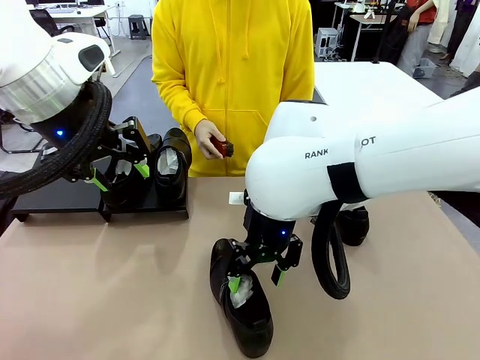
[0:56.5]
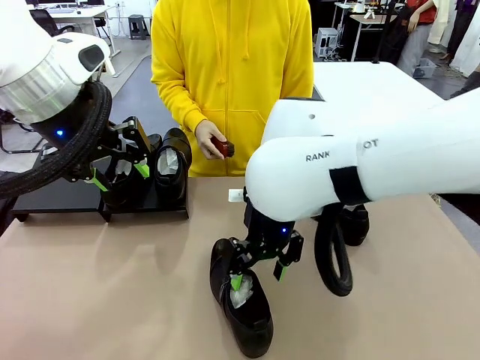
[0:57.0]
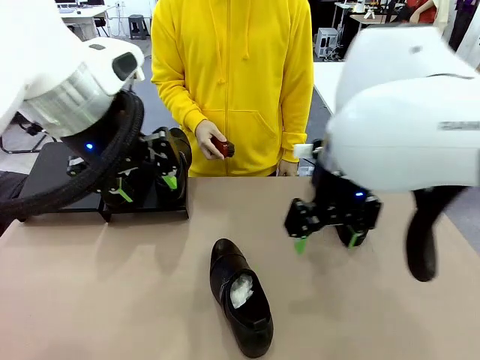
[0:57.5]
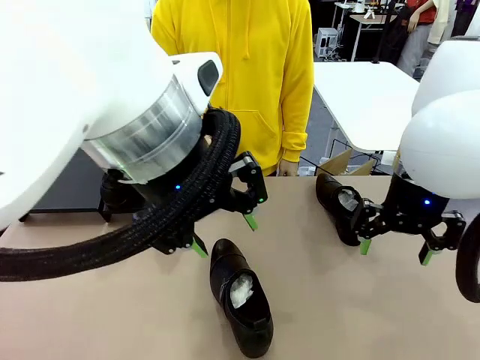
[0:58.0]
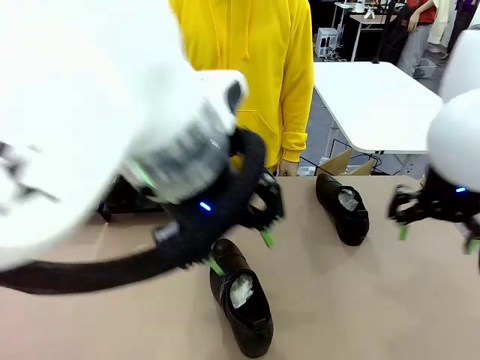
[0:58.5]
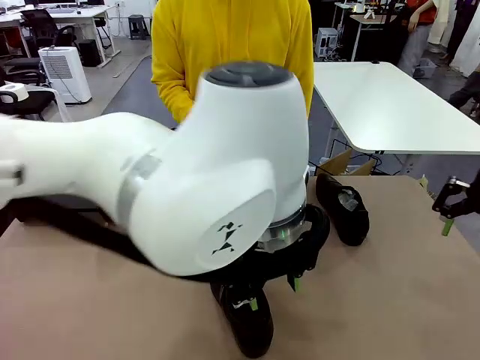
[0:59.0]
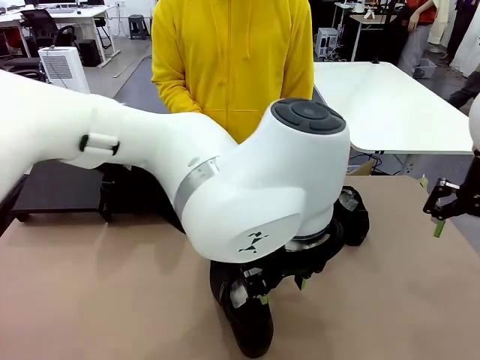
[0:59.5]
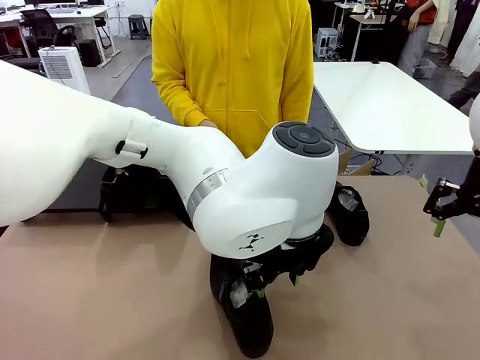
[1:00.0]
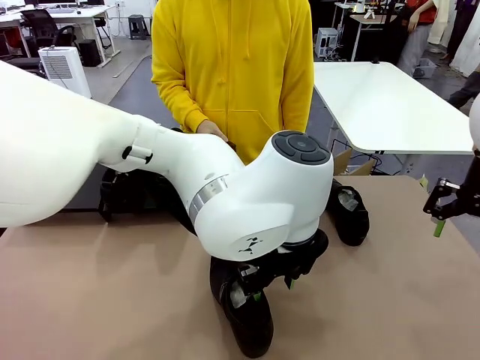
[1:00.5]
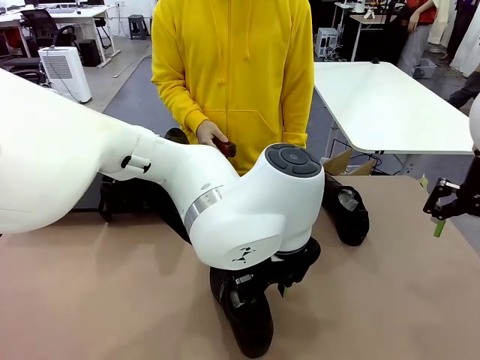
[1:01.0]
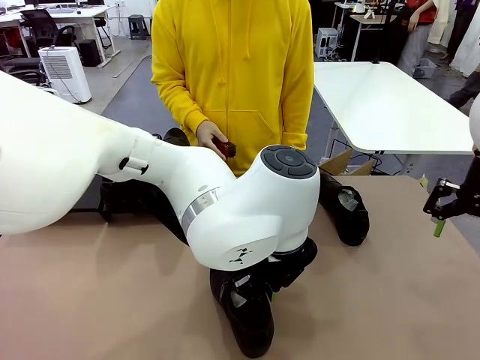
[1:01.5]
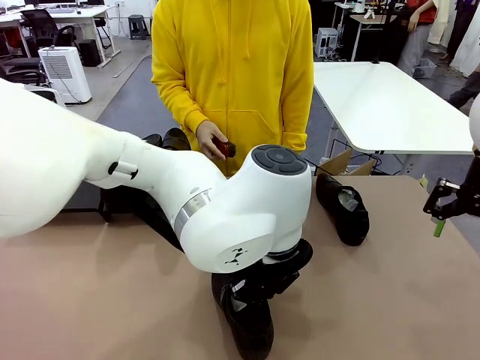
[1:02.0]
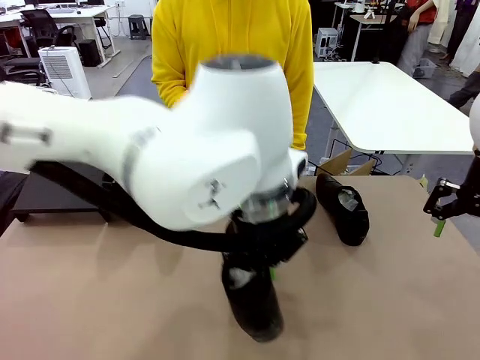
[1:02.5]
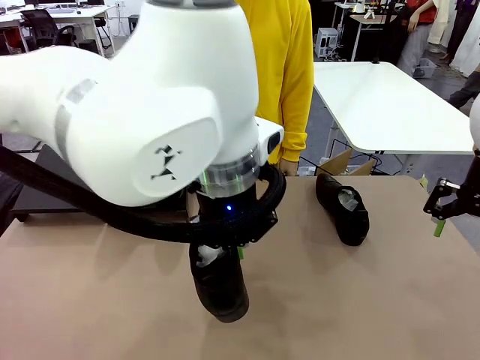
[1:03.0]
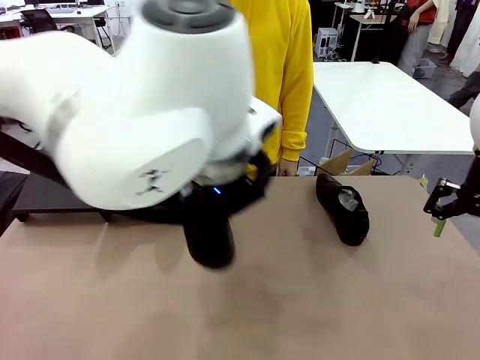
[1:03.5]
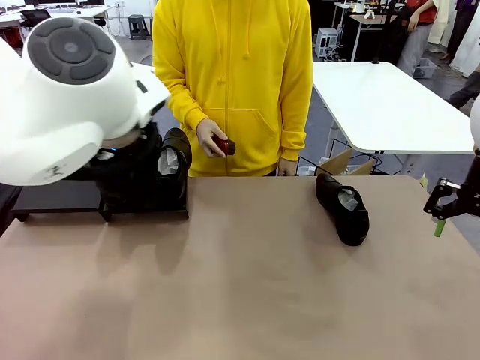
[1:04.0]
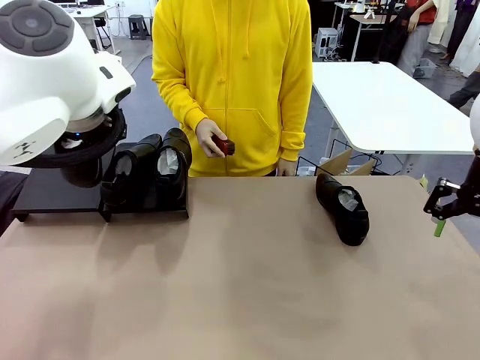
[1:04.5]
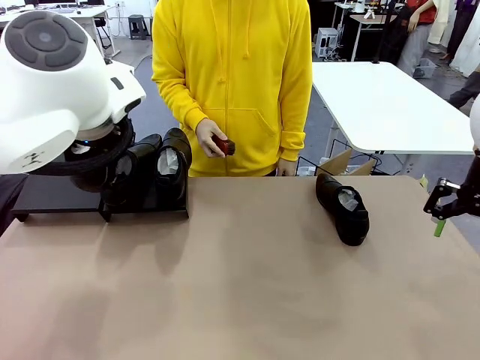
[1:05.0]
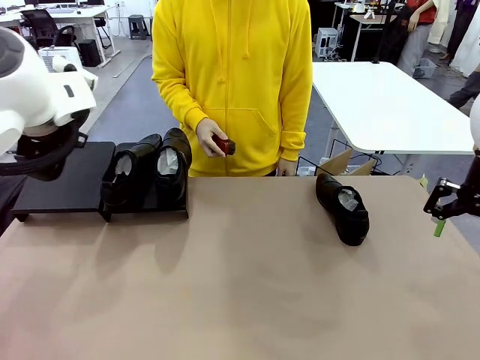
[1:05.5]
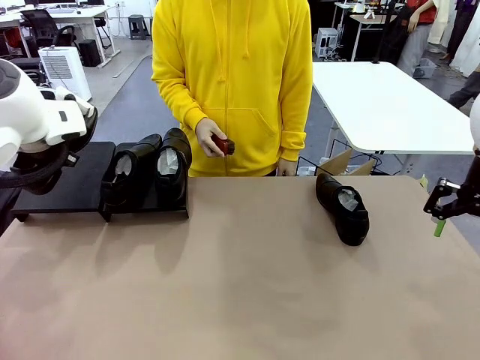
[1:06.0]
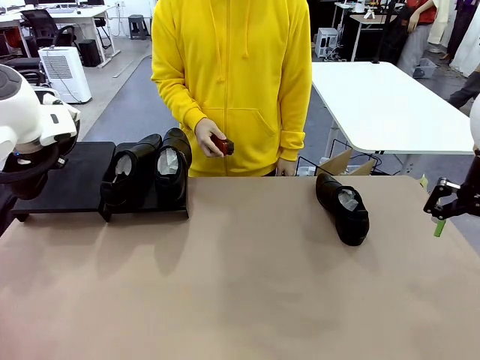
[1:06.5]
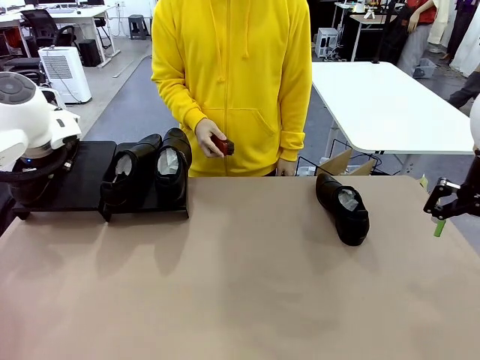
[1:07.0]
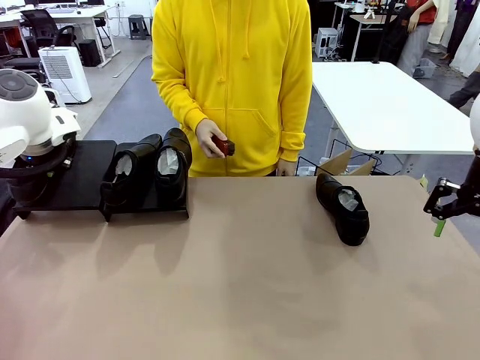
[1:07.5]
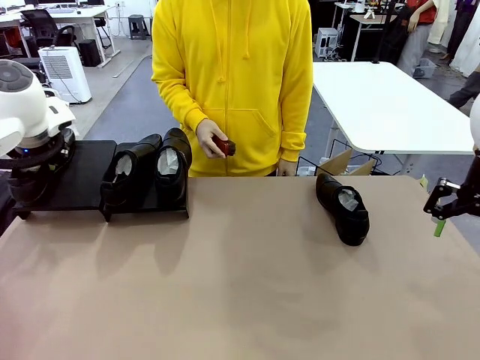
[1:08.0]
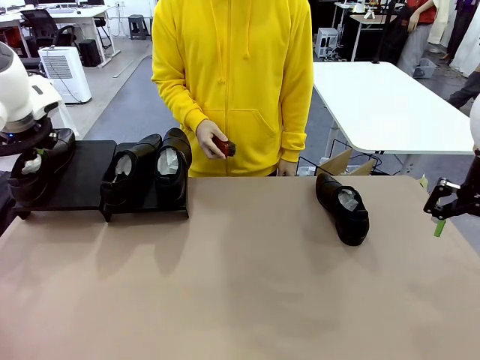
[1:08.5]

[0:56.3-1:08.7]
Task: Organize the shoes by placing them on the stand.
Robot: Place the Shoe from the middle of the table onto the Shoes Stand.

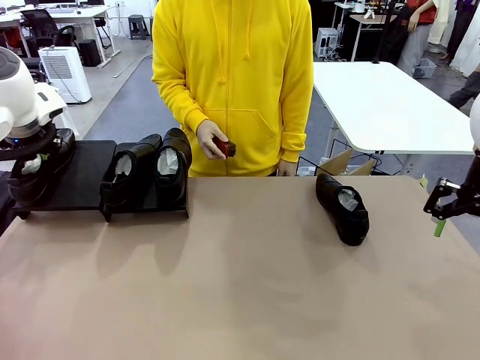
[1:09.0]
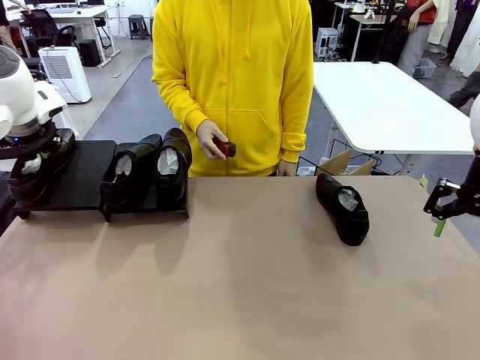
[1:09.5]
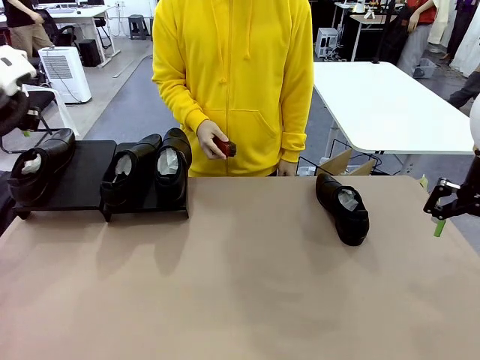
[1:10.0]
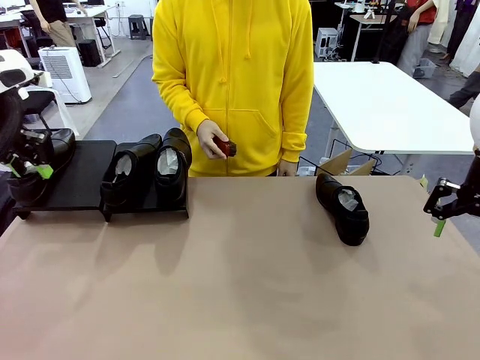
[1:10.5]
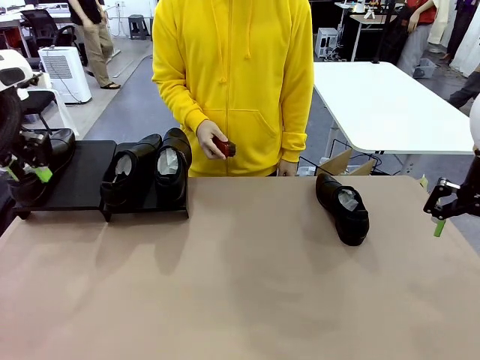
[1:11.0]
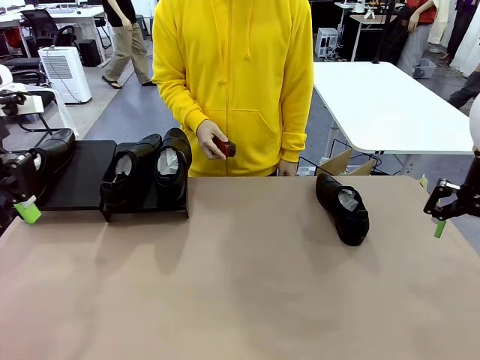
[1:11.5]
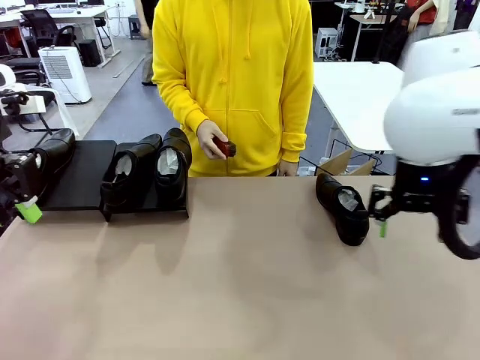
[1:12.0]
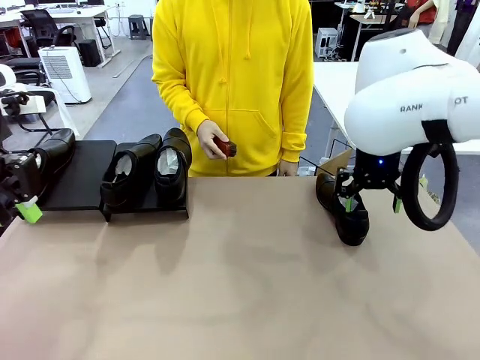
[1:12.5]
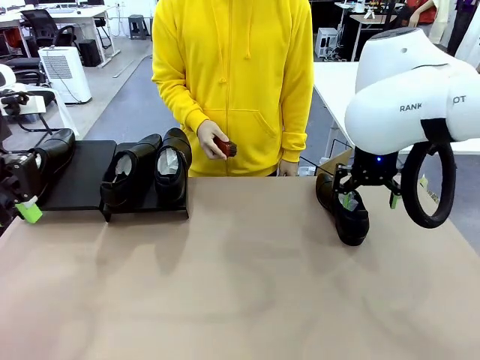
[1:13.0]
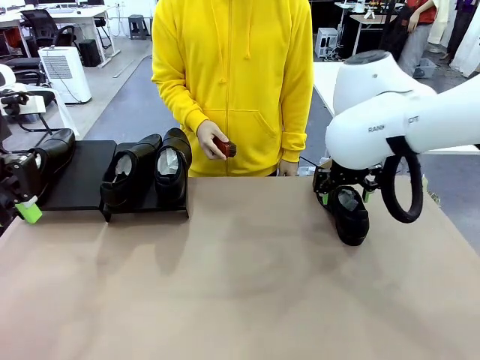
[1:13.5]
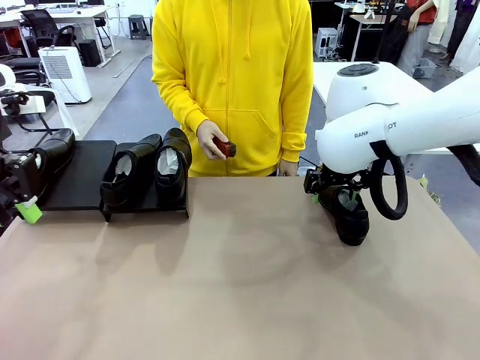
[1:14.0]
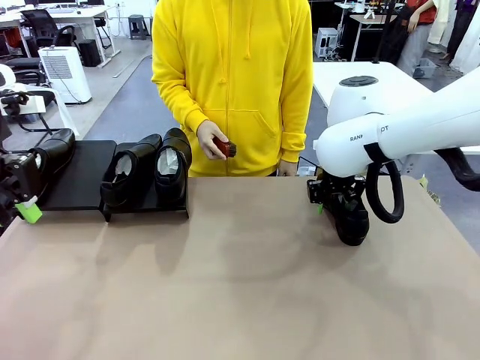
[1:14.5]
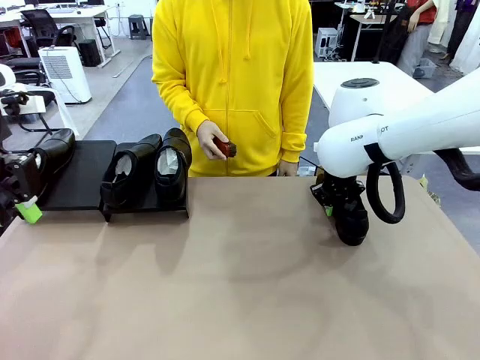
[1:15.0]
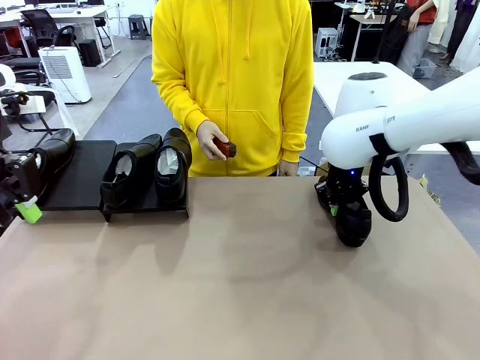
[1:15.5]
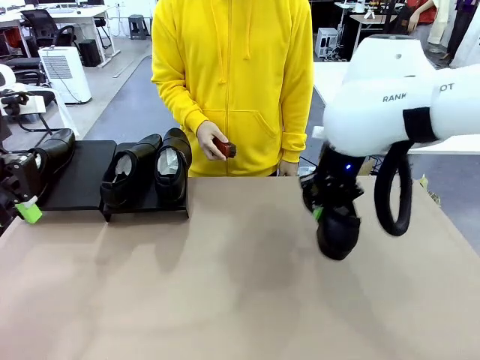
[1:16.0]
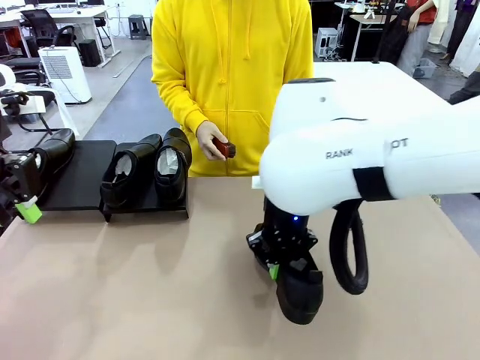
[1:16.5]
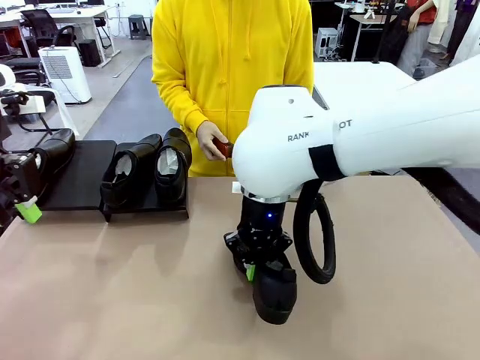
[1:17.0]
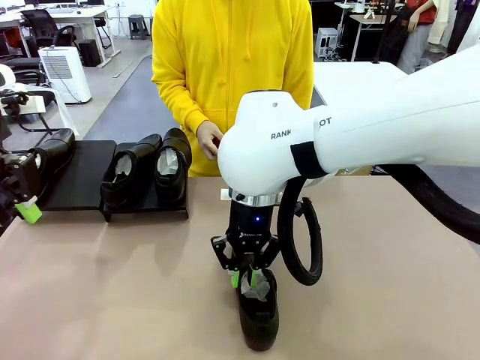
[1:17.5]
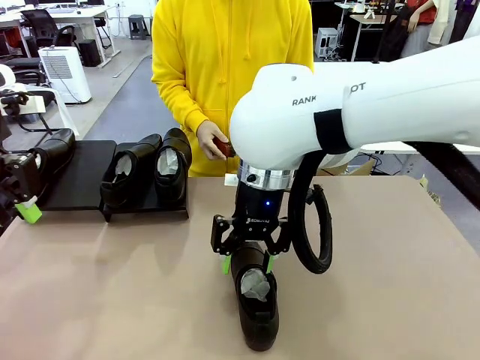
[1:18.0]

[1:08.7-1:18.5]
Robot: Pick up one Shoe and place it in the middle of the table.
